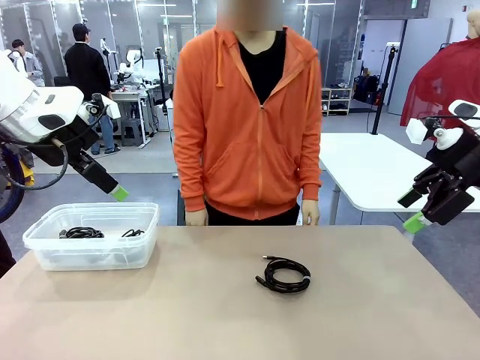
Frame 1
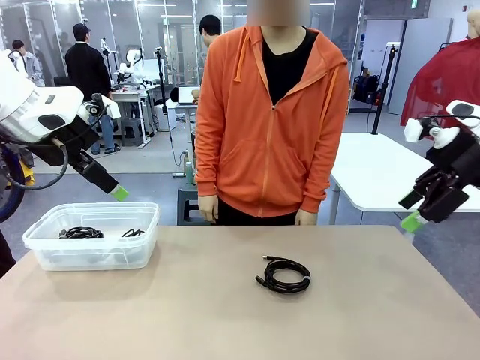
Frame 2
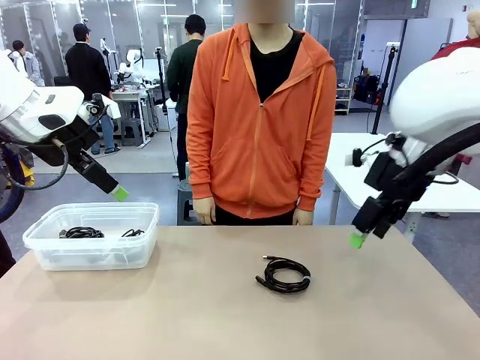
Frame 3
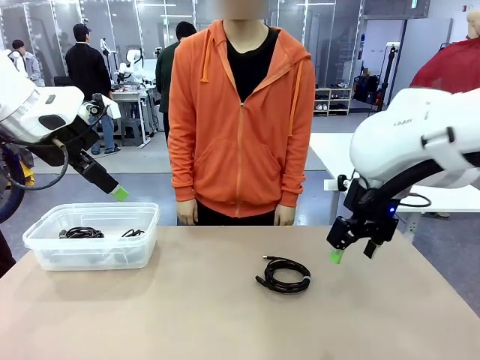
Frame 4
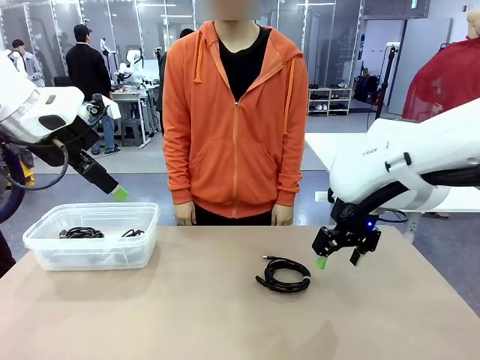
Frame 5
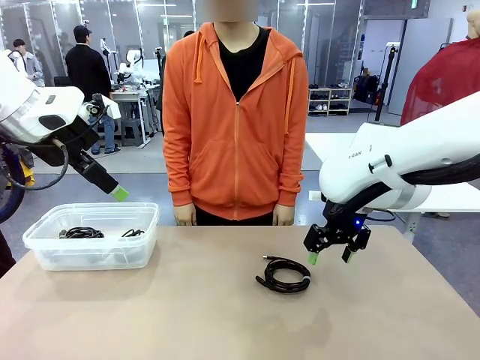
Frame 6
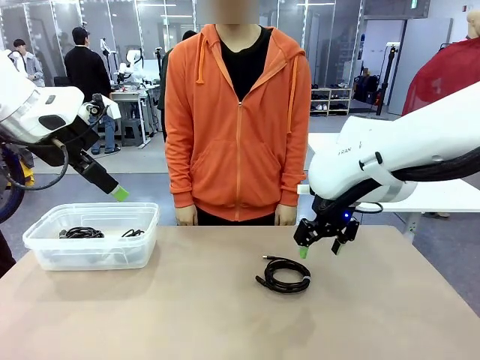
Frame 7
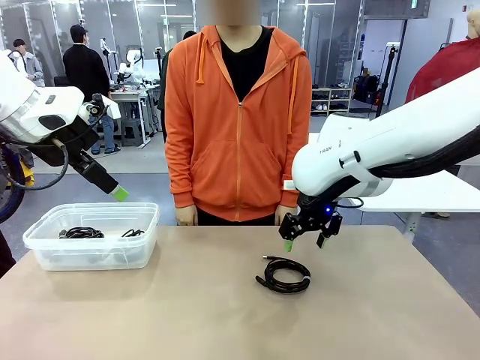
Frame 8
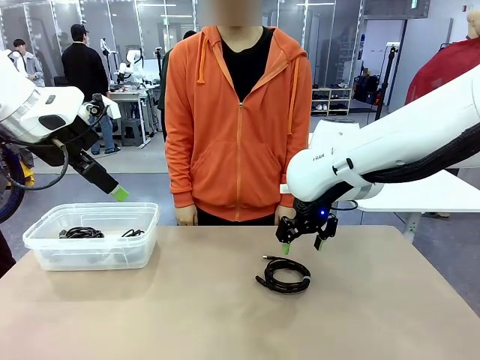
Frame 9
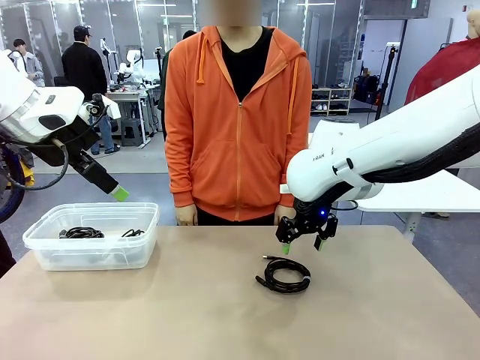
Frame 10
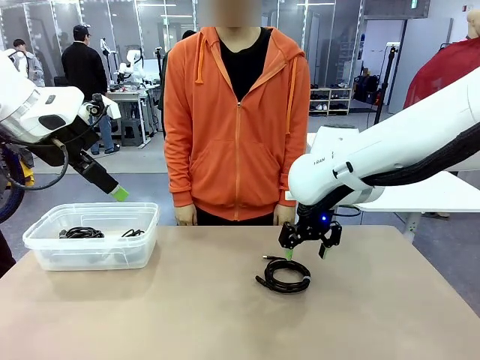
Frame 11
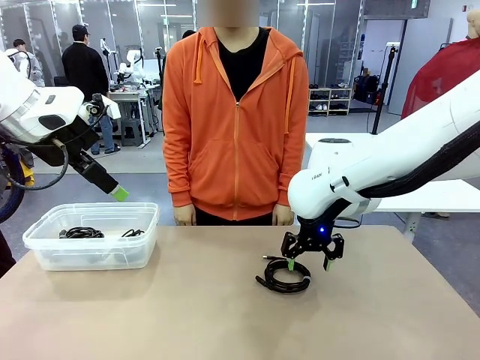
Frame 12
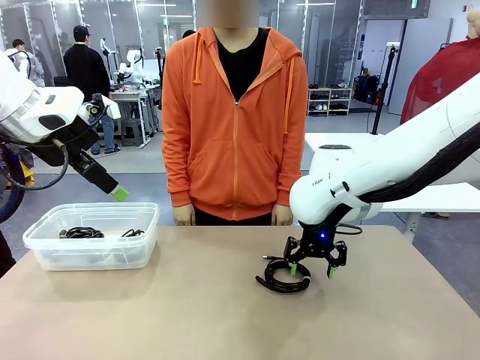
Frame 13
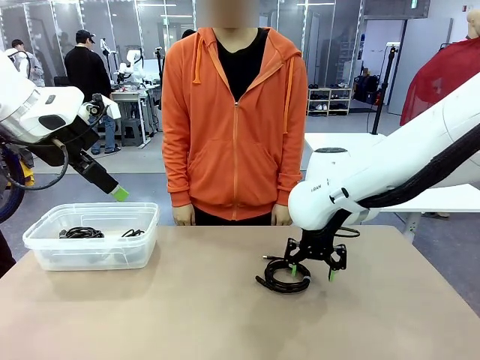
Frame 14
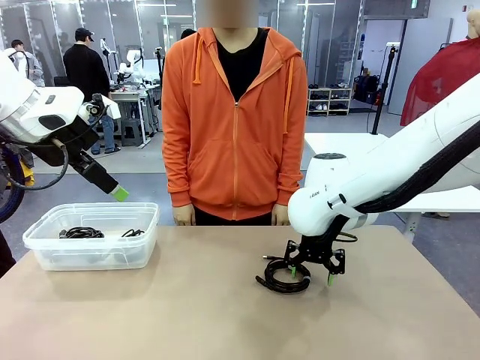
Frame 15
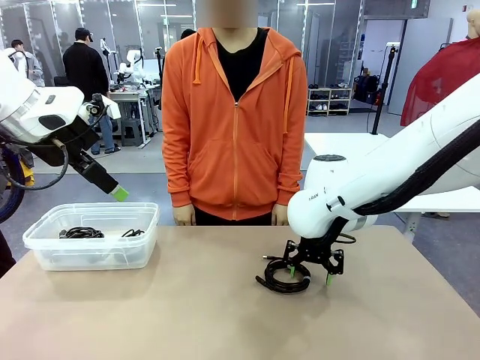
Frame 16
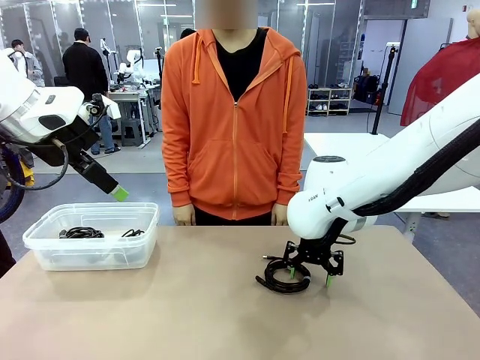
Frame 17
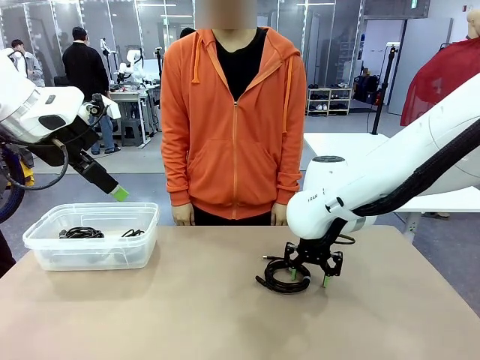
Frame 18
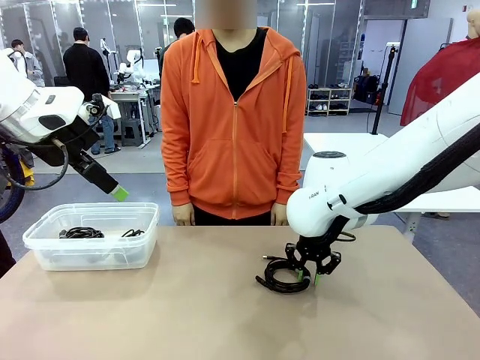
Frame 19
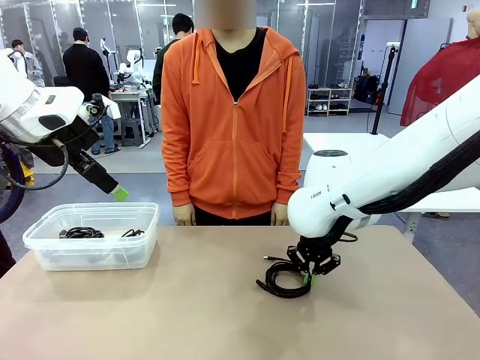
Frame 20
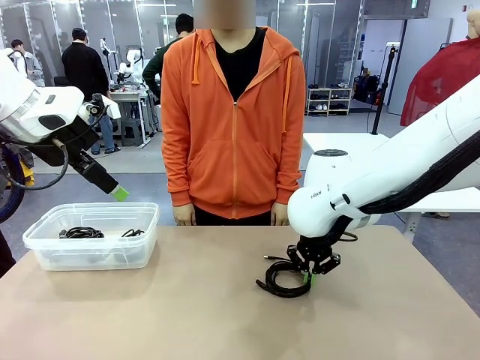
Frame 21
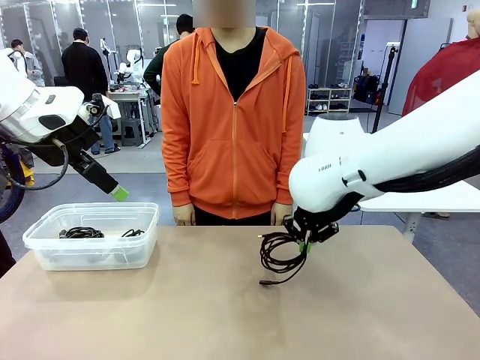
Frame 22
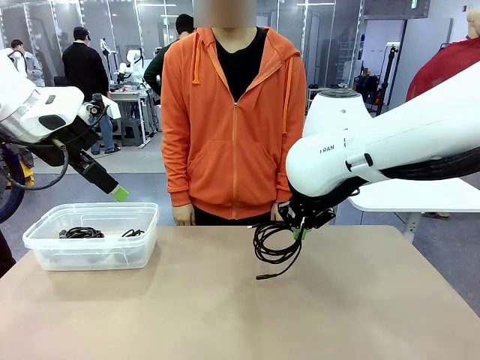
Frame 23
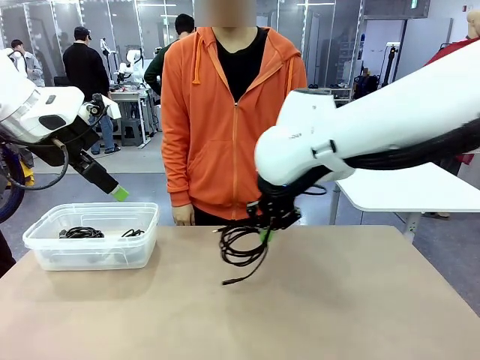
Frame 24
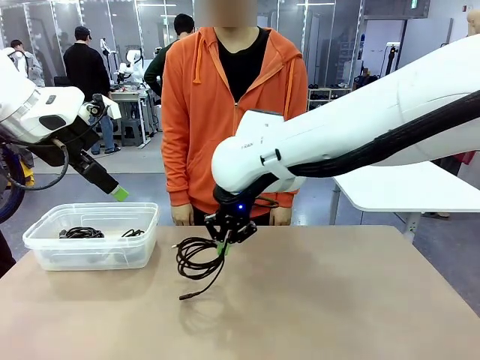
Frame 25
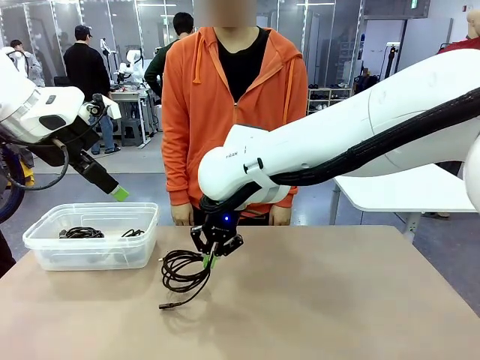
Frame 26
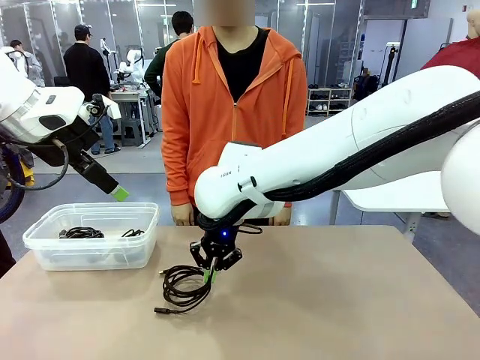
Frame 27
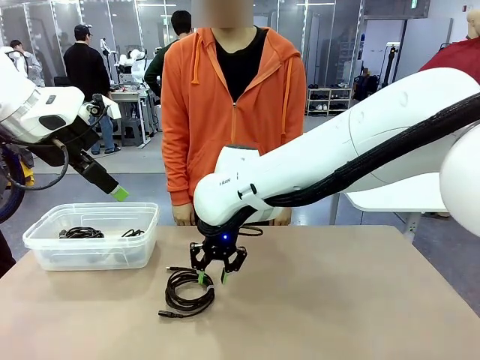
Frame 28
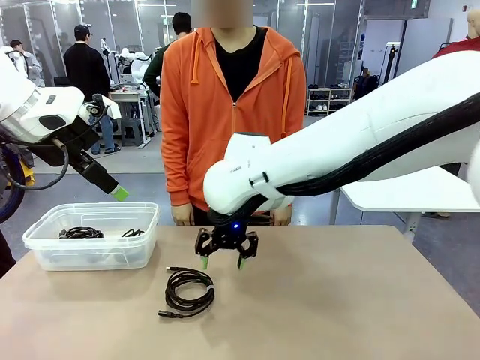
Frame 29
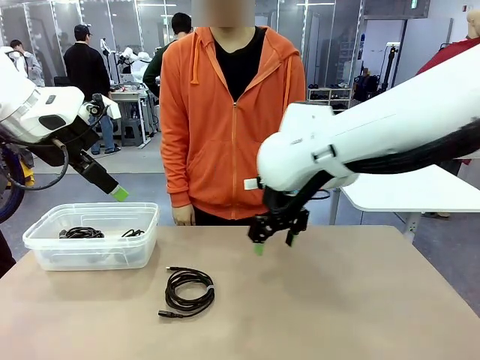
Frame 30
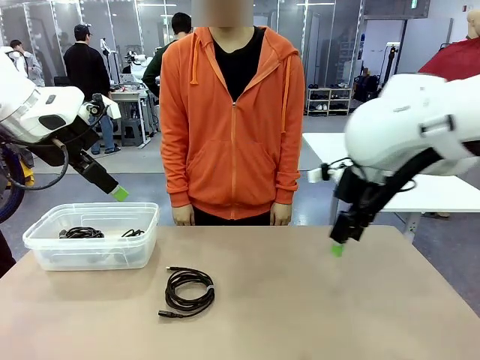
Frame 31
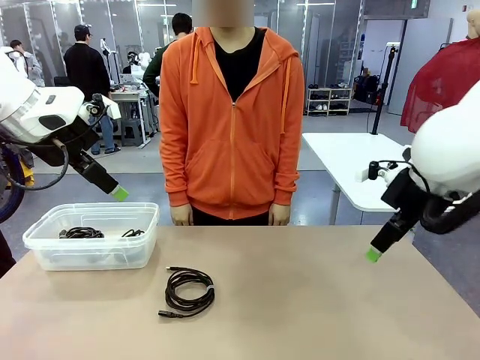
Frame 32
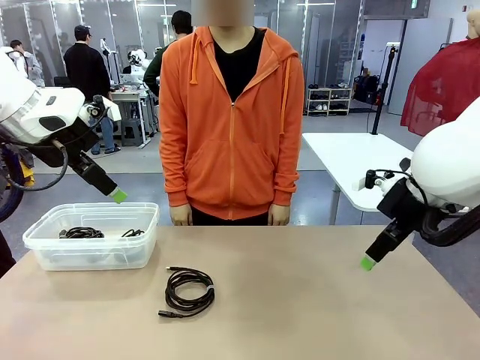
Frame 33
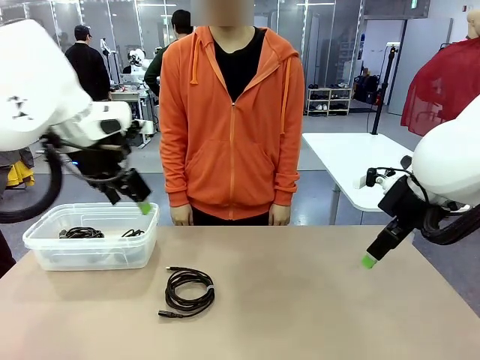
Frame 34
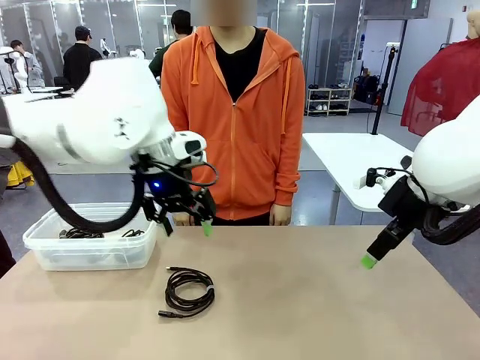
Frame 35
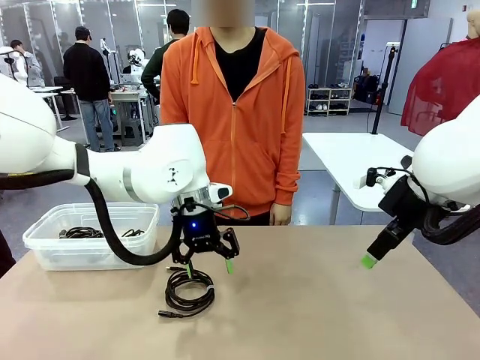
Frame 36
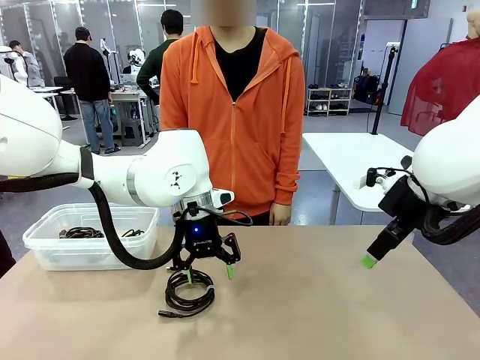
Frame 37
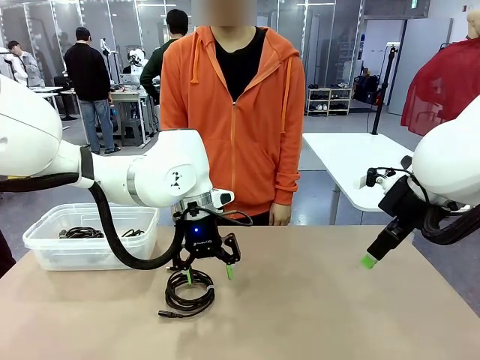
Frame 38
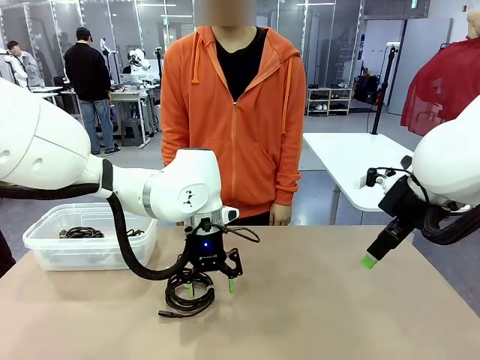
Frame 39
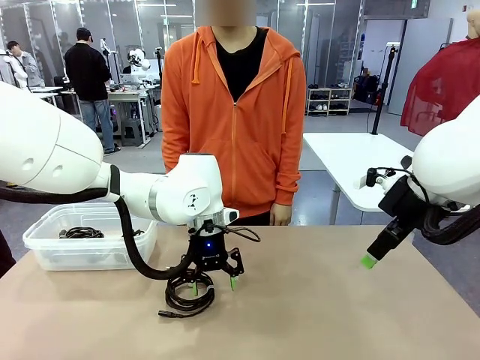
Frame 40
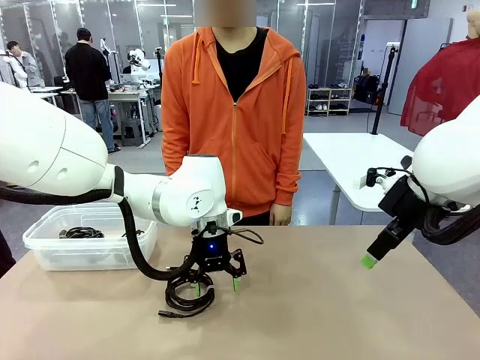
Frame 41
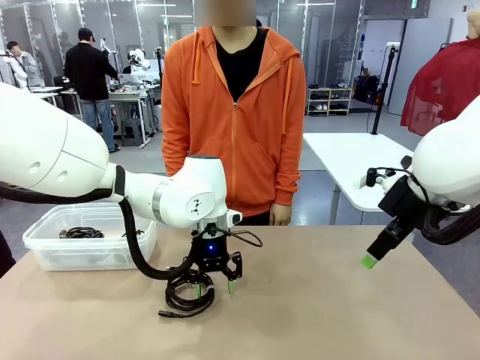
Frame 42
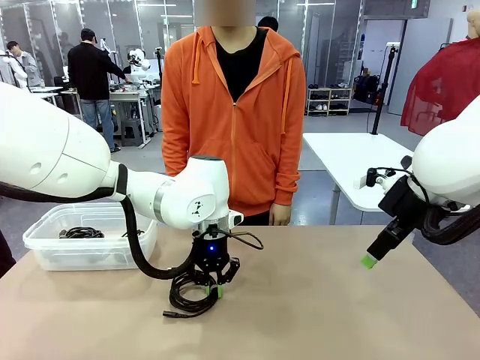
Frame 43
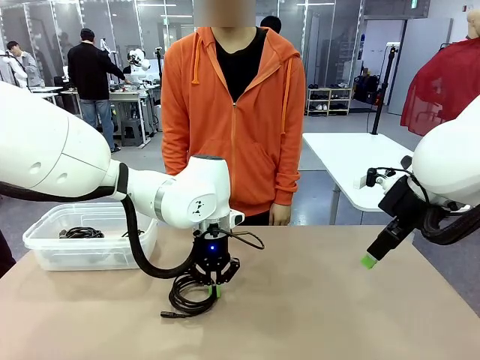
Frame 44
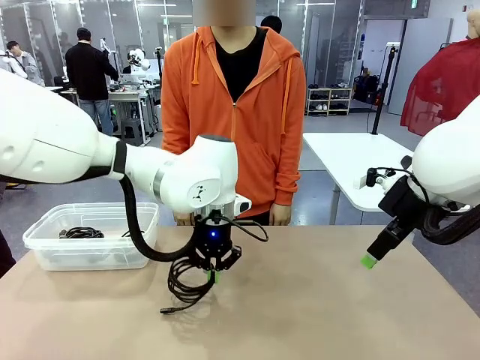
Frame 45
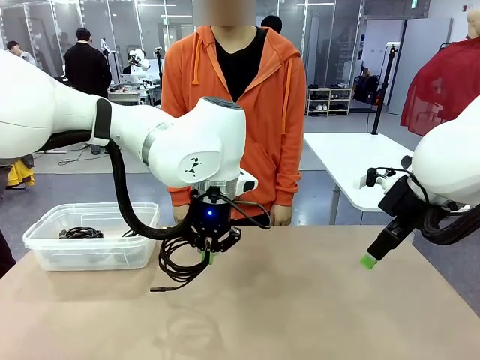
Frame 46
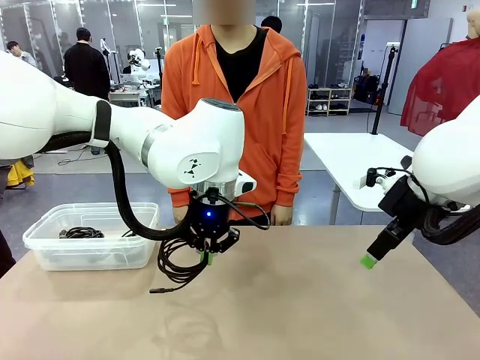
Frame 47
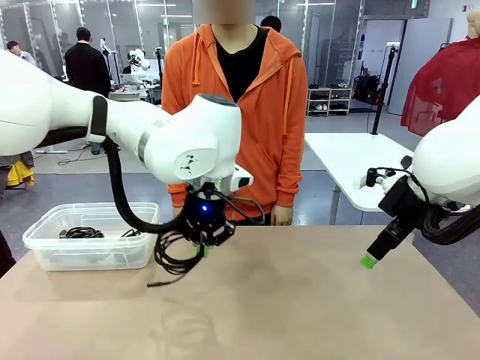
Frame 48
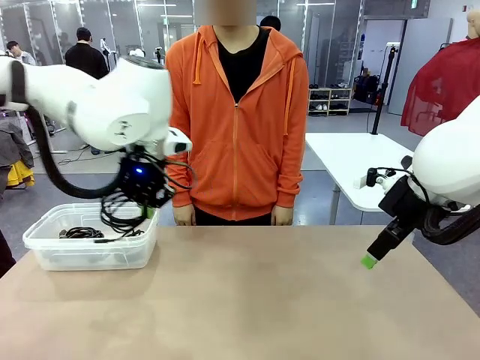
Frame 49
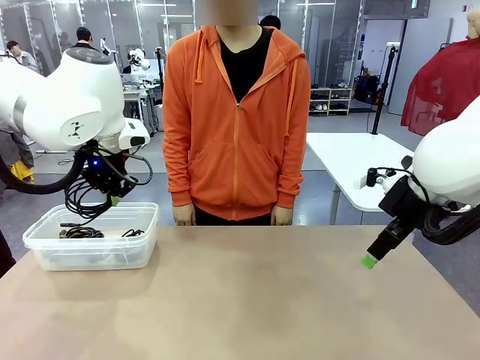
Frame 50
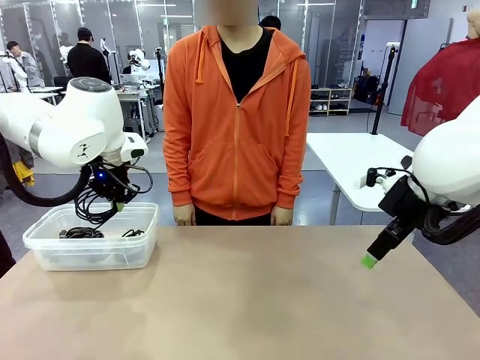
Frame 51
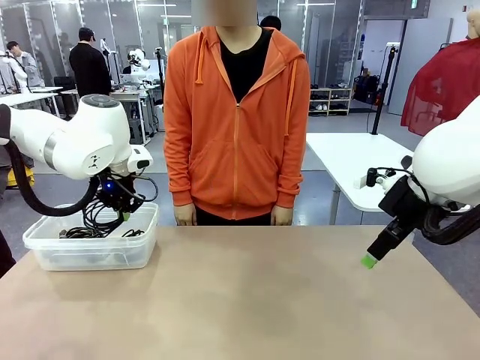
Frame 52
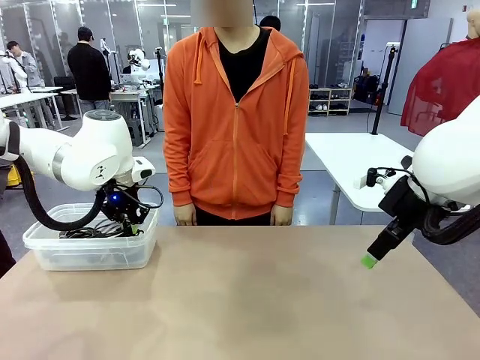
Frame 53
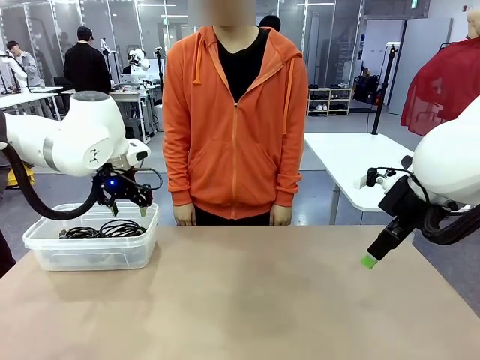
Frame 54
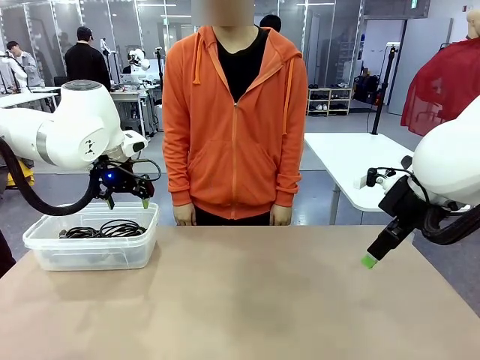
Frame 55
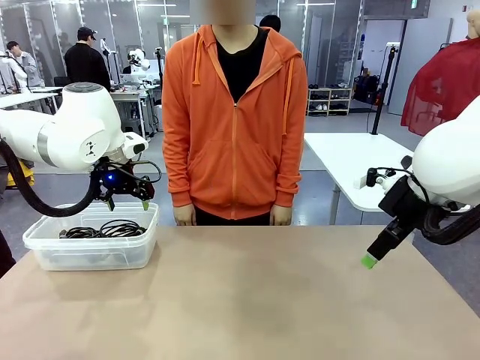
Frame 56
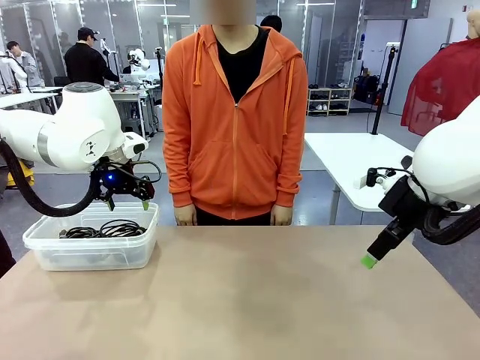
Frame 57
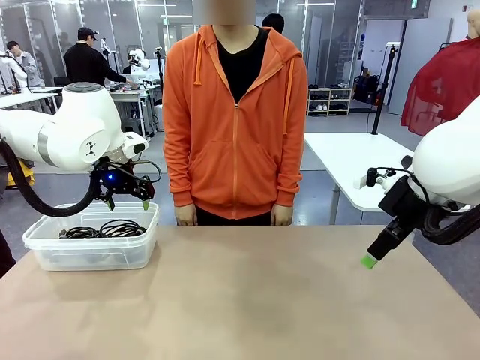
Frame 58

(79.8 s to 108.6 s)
Task: Organize and store the cables.
Robot: Place the USB Extension Cable into the Organizing box.
